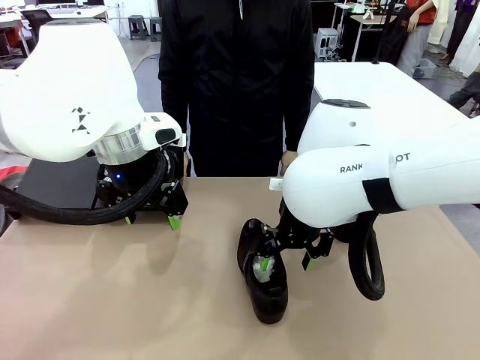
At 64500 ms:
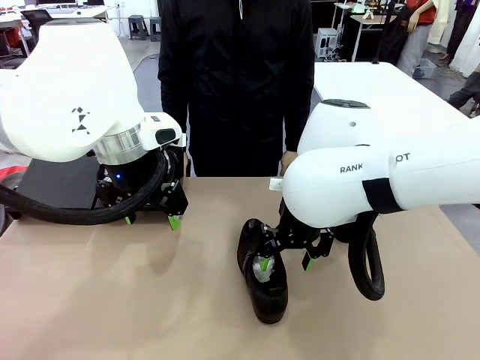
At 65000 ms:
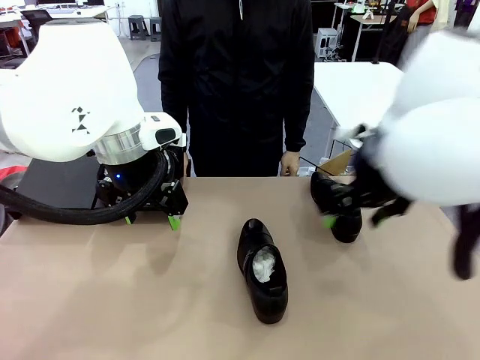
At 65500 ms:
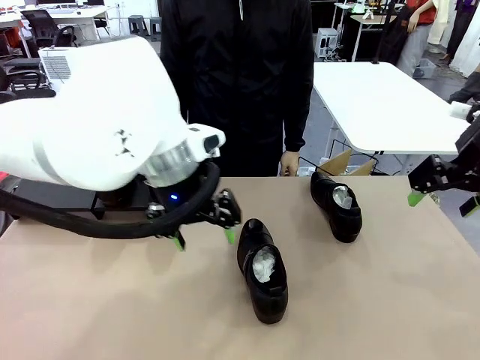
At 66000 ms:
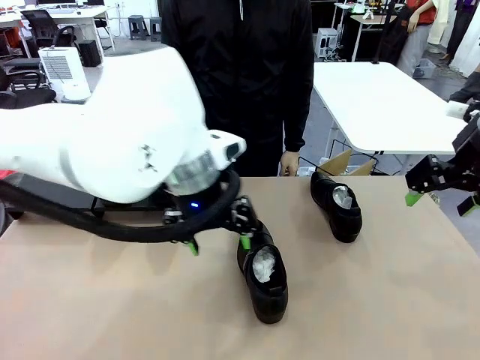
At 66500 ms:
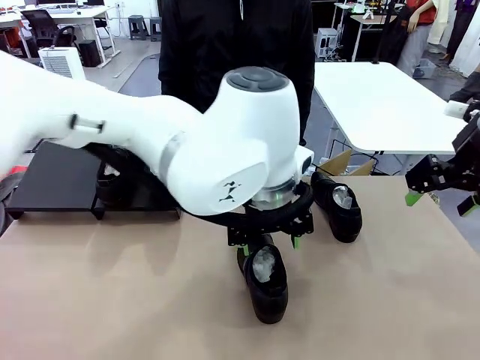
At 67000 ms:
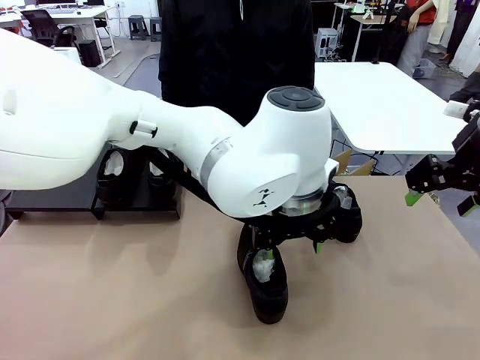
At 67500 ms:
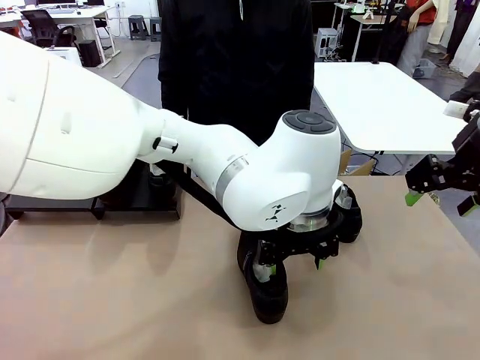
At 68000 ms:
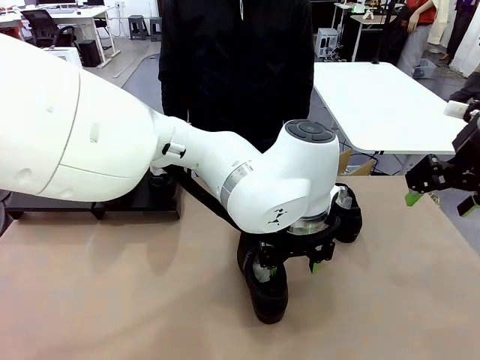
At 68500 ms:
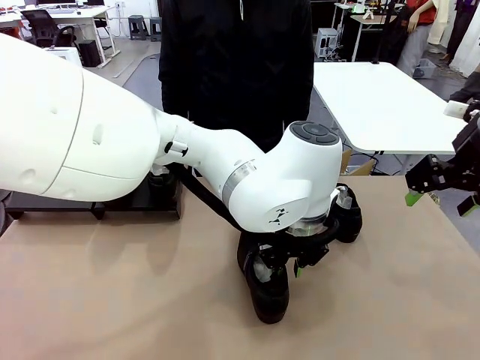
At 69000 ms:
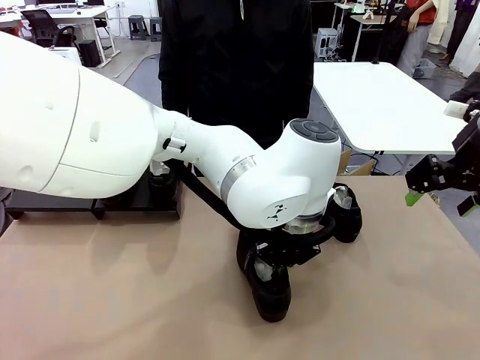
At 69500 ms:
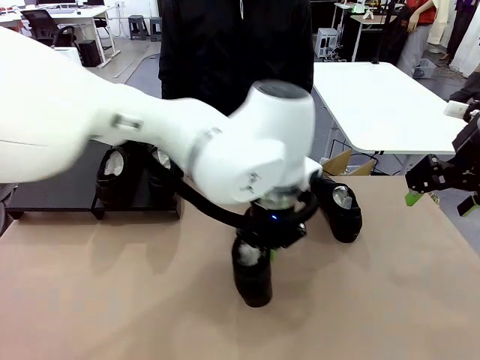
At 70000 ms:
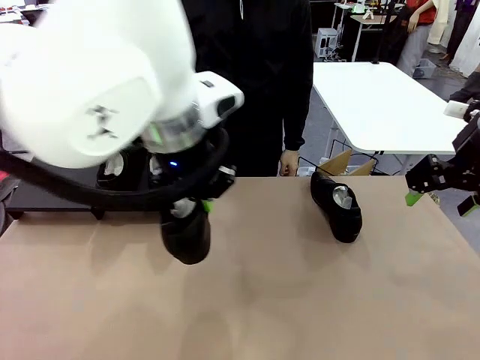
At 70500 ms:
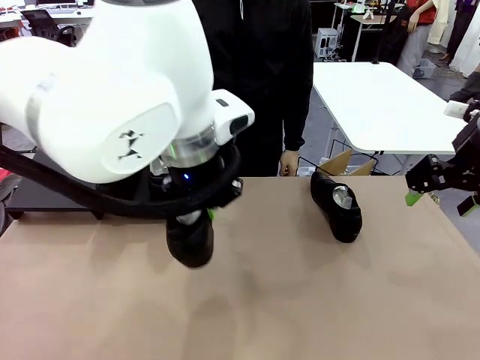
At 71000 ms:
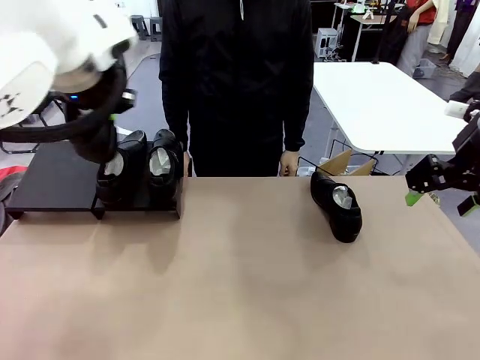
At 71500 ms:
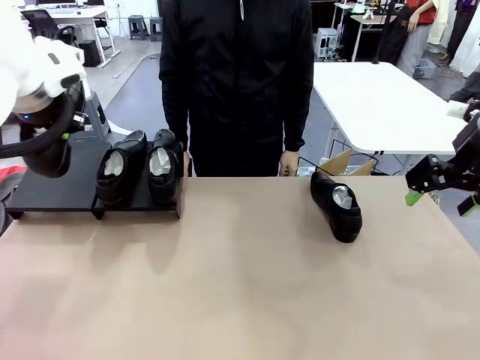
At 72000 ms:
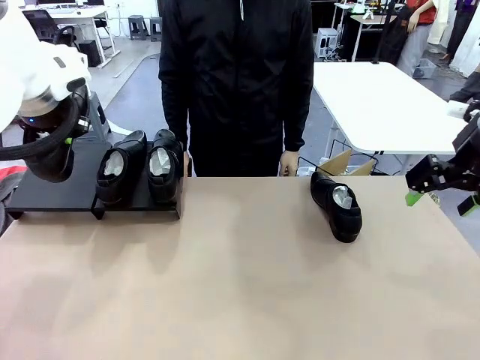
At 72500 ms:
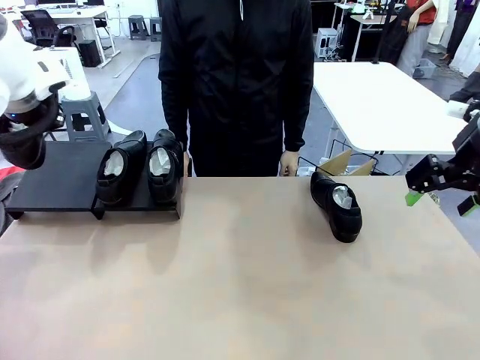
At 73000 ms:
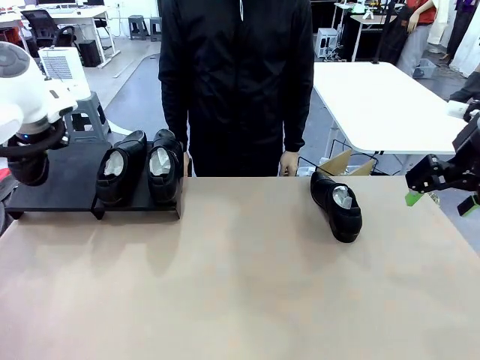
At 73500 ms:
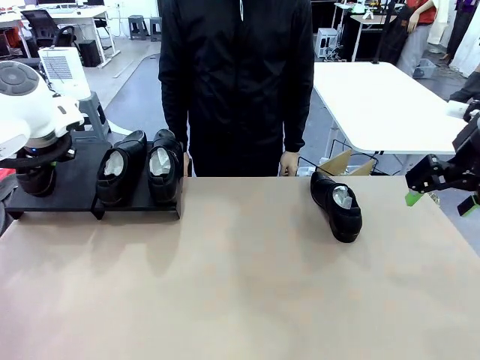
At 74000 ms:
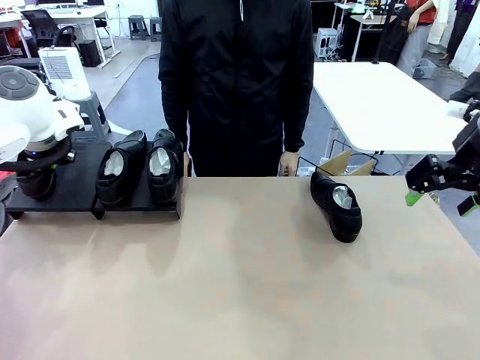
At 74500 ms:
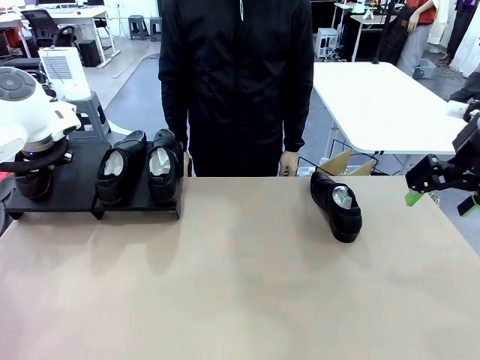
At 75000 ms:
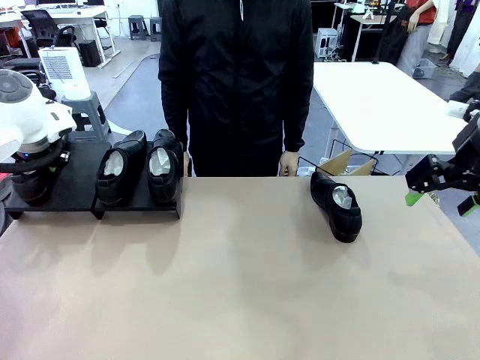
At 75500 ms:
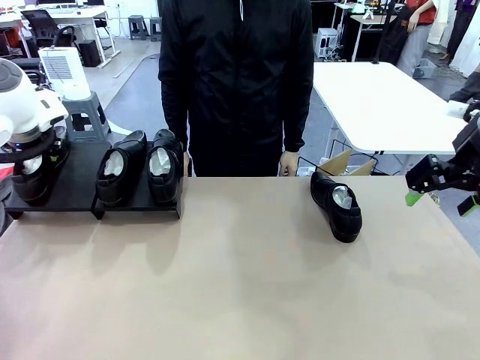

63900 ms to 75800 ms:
Task: Organize the shoes by placing them on the stand.
Robot: Place the Shoe from the middle of the table onto the Shoes Stand.

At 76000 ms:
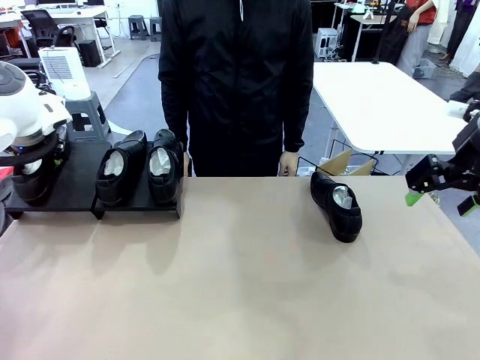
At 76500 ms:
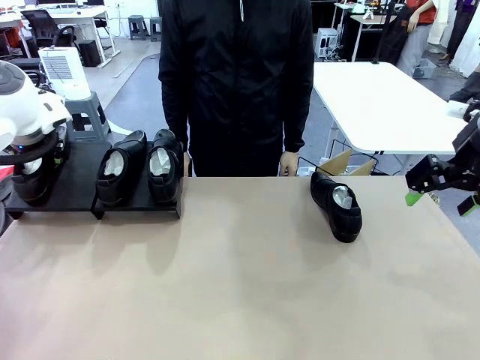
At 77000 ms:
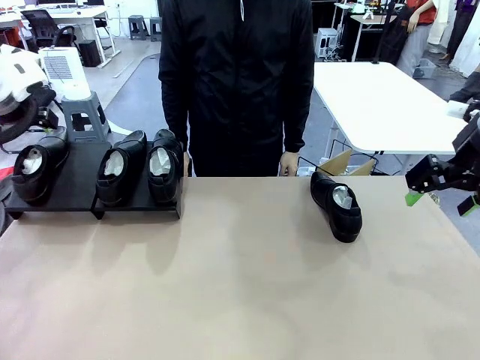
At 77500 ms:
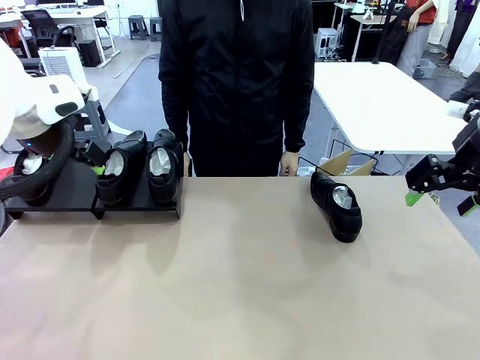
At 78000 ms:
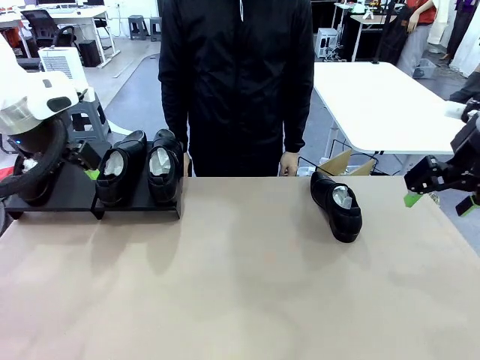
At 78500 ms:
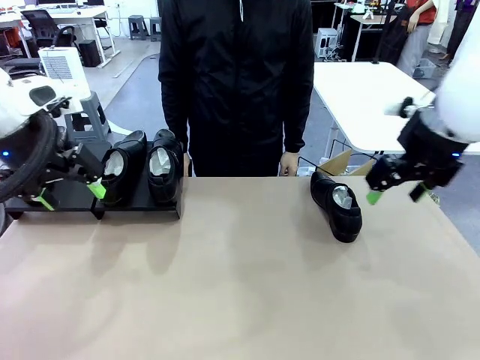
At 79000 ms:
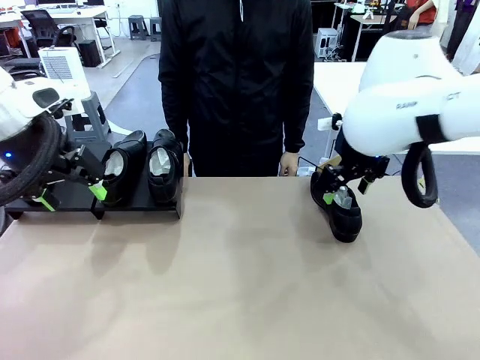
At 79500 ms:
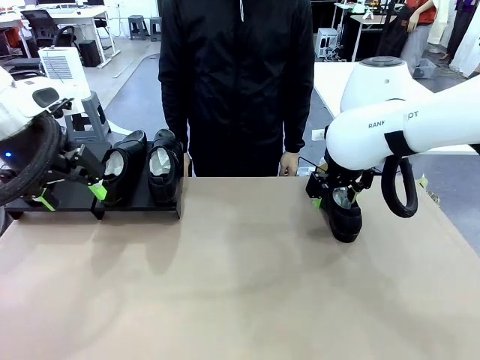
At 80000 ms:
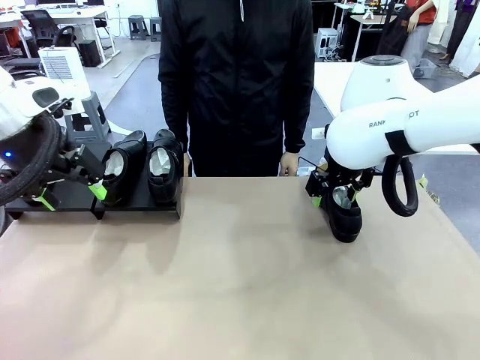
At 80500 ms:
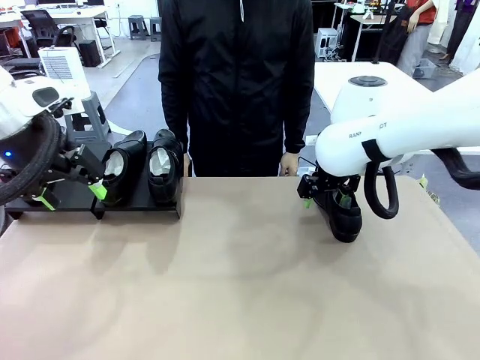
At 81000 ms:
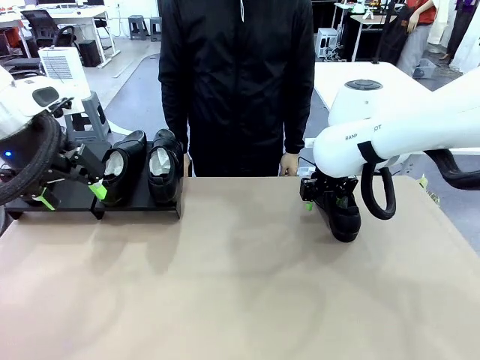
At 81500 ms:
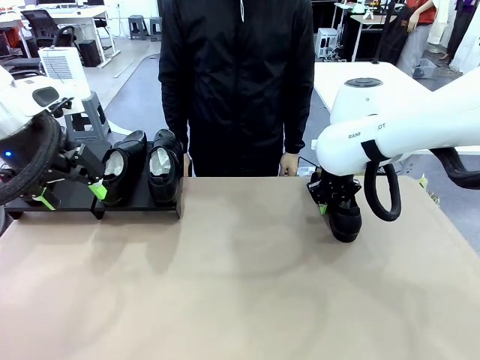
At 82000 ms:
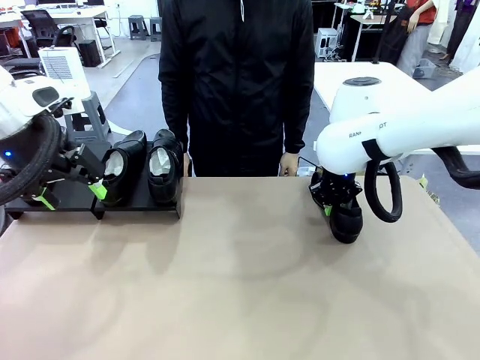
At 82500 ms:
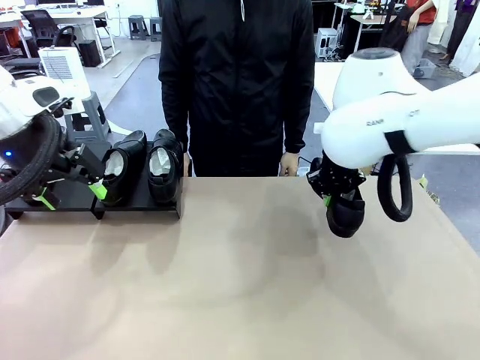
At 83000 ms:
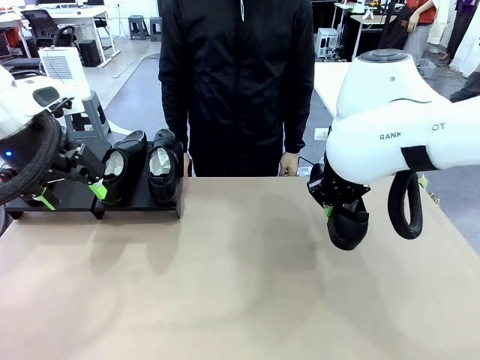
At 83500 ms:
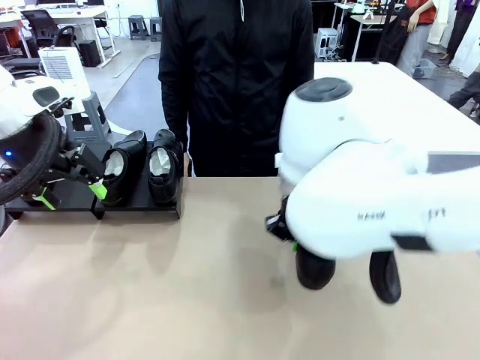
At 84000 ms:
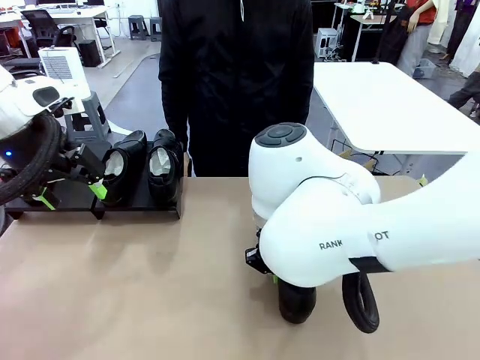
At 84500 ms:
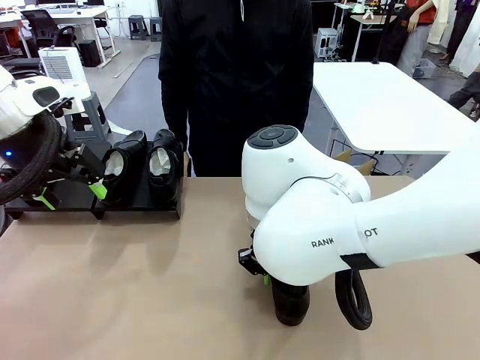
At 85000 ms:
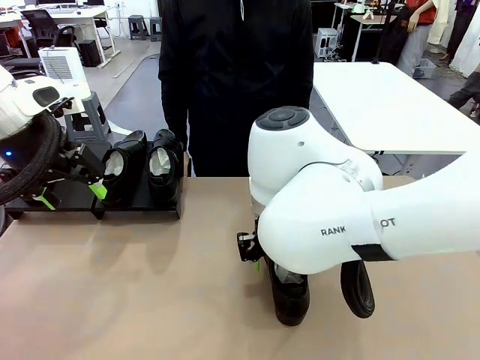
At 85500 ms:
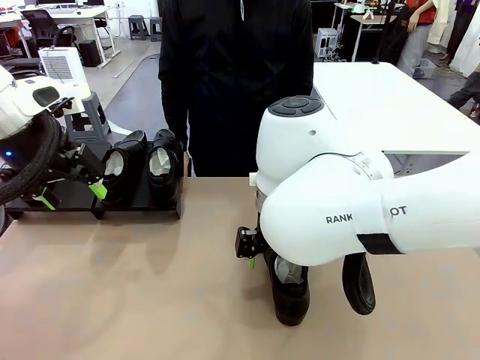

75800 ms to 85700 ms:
Robot: Pick up one Shoe and place it in the middle of the table.

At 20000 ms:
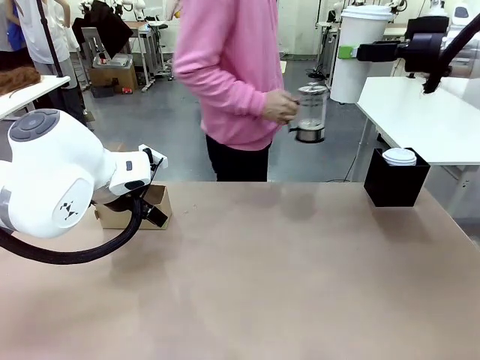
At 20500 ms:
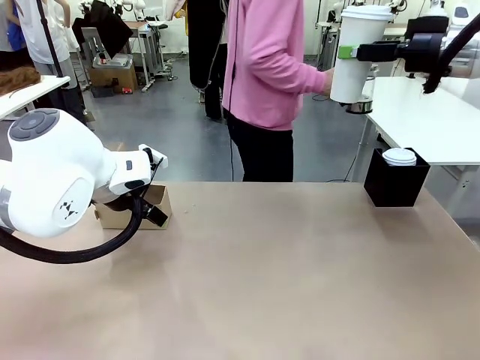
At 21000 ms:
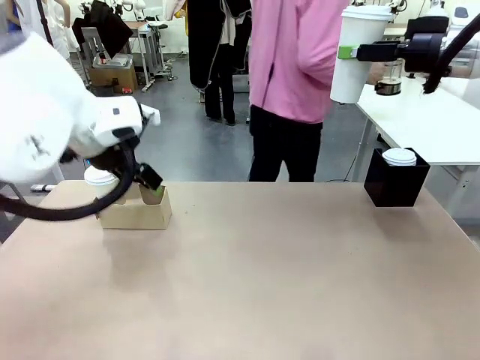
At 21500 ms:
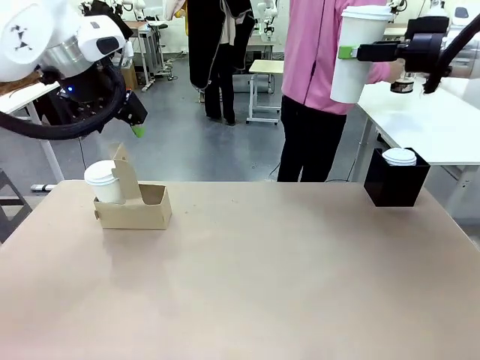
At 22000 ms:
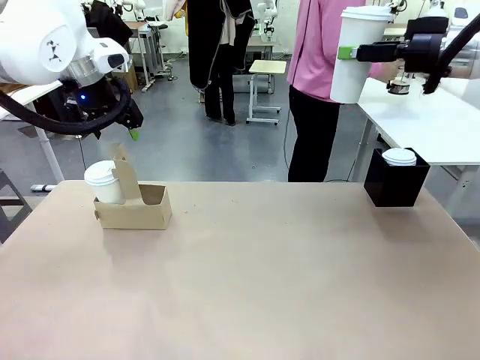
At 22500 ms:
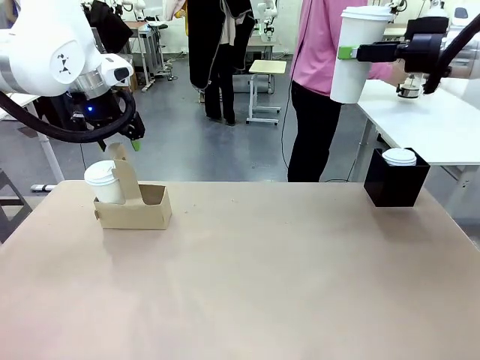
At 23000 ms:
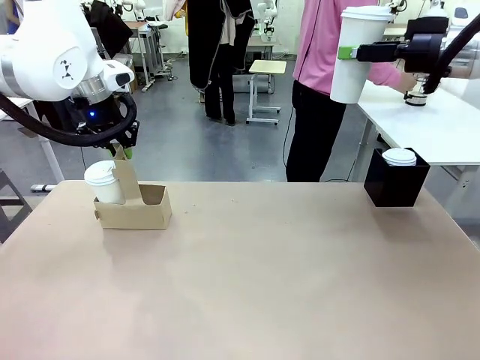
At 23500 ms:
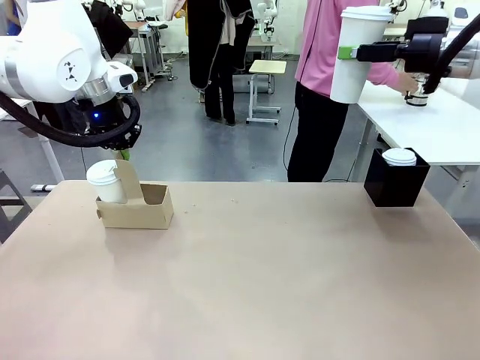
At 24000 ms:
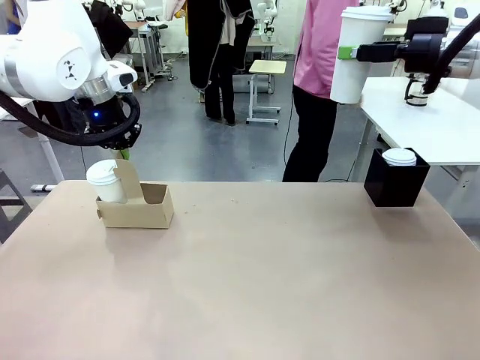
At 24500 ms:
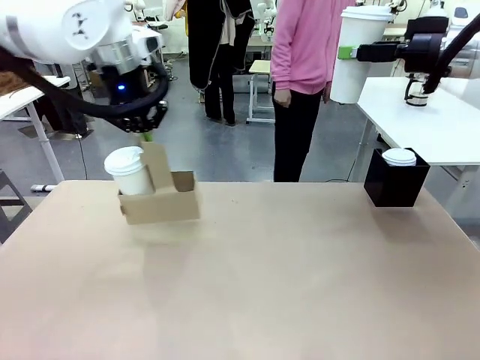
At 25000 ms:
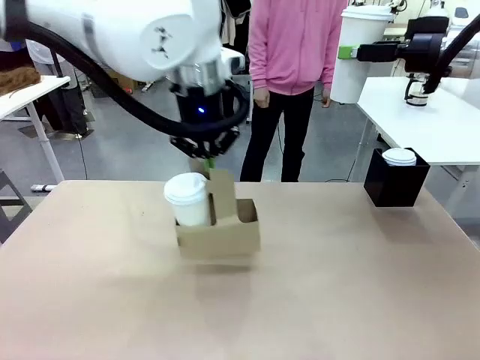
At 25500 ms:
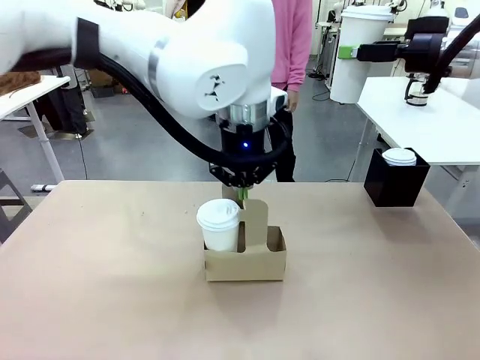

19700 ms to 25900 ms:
Task: Pour a drink into a cup and package it in a carrier.
Robot: Position the Cup Carrier in the center of the table.
Person: Pick up the Filter Brewing and place on the middle of Human table, and return to the Robot table.
